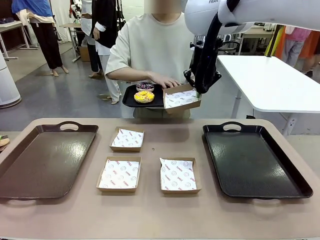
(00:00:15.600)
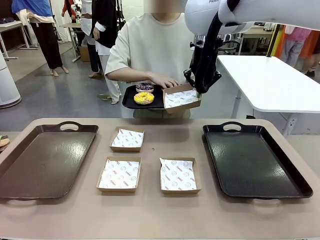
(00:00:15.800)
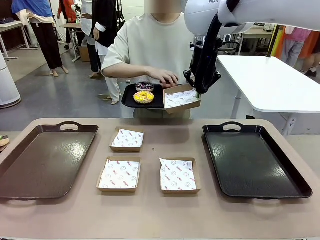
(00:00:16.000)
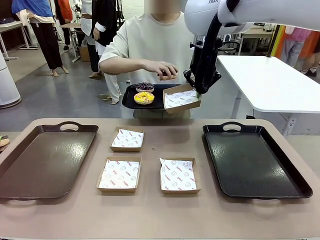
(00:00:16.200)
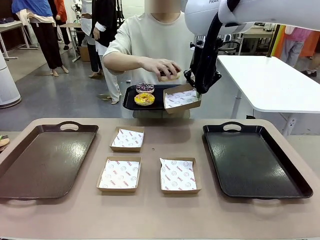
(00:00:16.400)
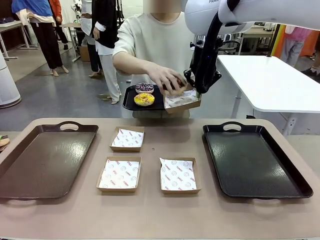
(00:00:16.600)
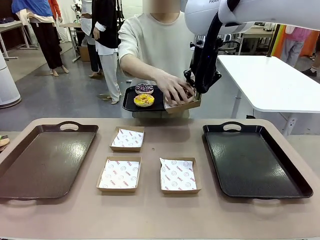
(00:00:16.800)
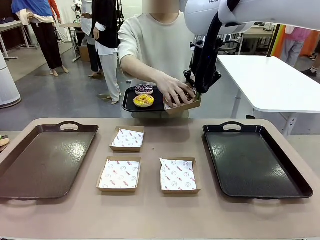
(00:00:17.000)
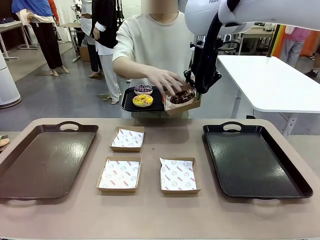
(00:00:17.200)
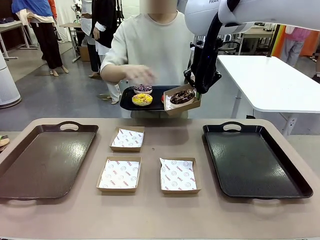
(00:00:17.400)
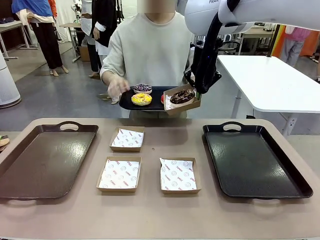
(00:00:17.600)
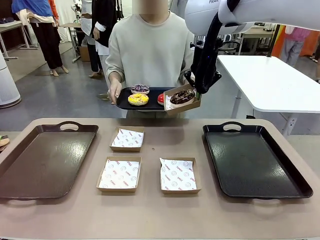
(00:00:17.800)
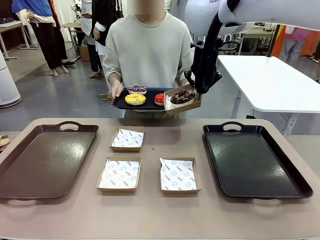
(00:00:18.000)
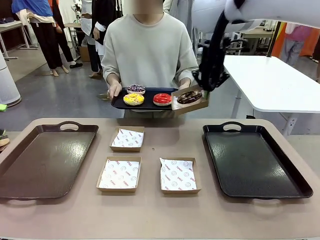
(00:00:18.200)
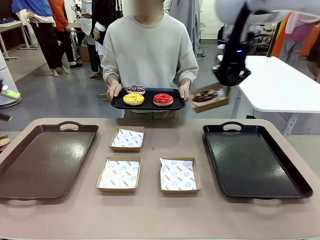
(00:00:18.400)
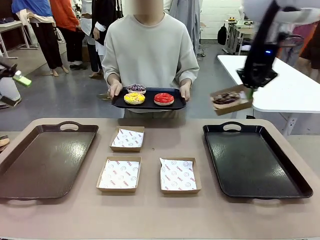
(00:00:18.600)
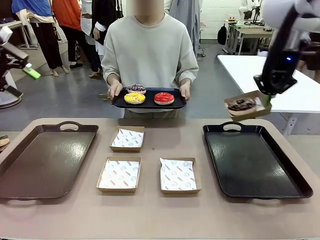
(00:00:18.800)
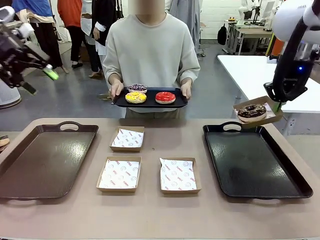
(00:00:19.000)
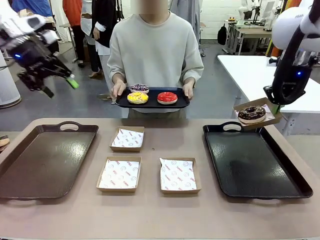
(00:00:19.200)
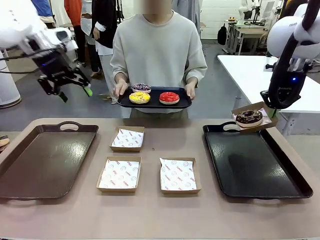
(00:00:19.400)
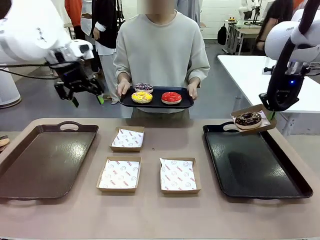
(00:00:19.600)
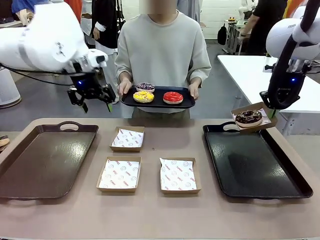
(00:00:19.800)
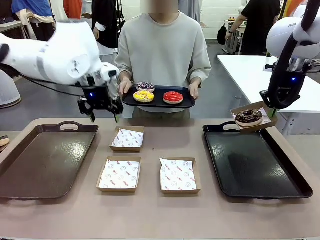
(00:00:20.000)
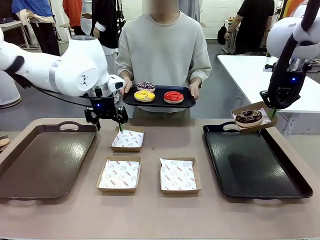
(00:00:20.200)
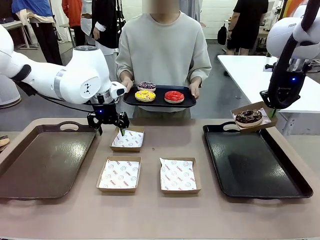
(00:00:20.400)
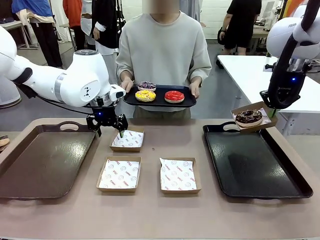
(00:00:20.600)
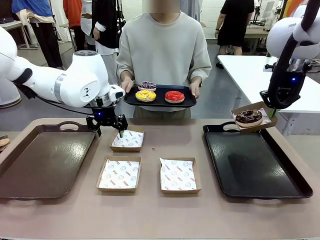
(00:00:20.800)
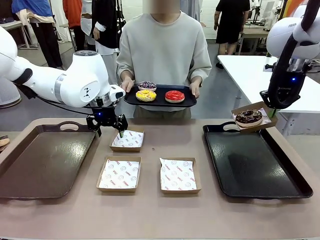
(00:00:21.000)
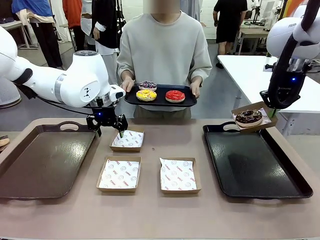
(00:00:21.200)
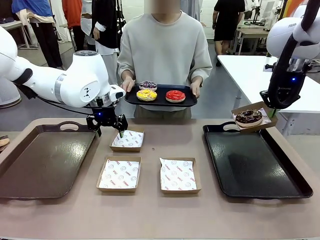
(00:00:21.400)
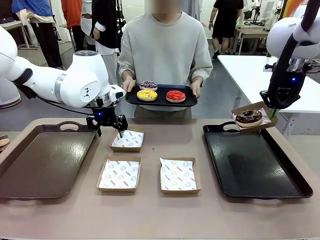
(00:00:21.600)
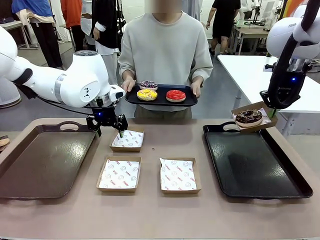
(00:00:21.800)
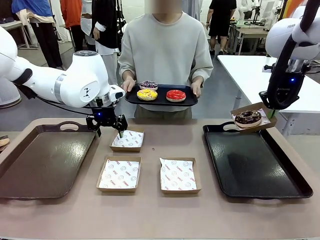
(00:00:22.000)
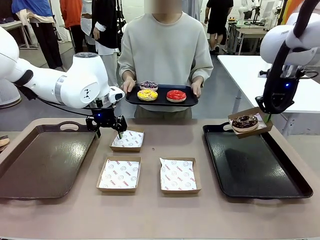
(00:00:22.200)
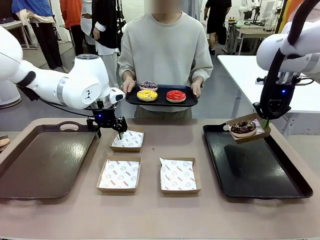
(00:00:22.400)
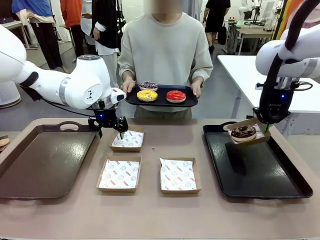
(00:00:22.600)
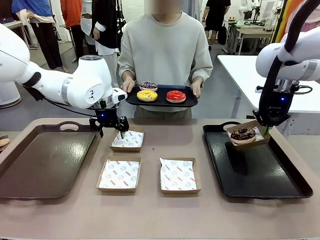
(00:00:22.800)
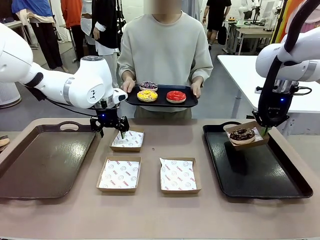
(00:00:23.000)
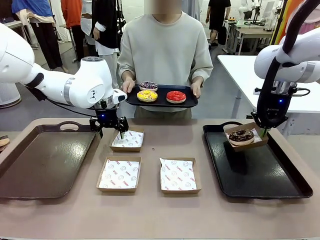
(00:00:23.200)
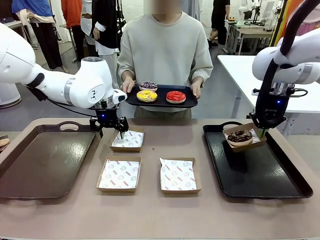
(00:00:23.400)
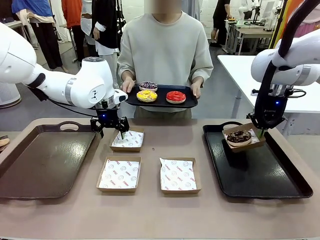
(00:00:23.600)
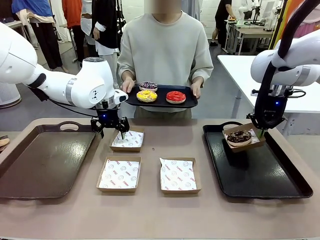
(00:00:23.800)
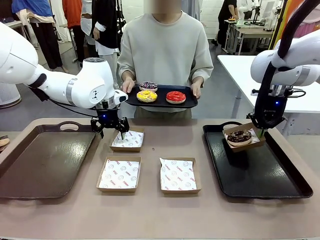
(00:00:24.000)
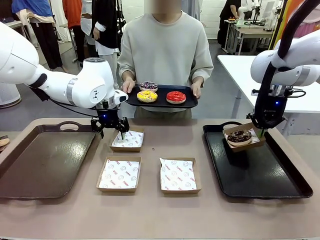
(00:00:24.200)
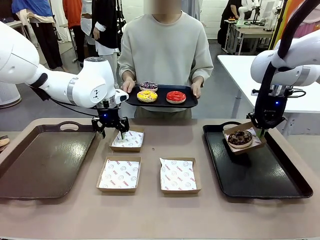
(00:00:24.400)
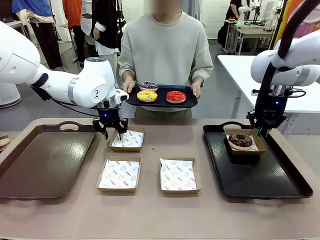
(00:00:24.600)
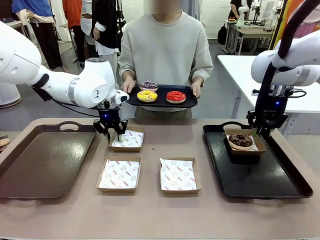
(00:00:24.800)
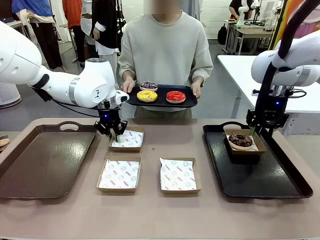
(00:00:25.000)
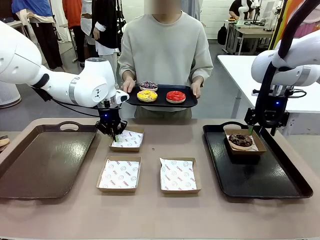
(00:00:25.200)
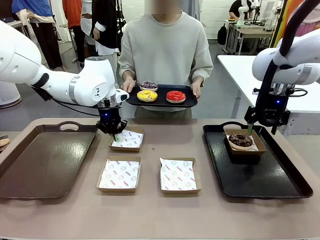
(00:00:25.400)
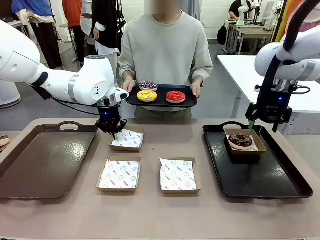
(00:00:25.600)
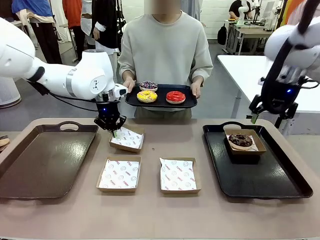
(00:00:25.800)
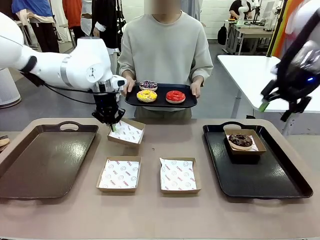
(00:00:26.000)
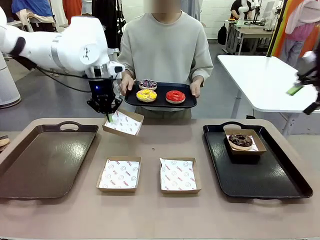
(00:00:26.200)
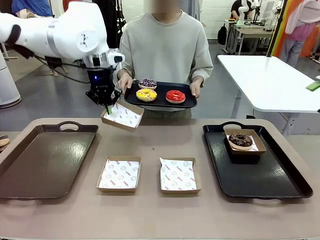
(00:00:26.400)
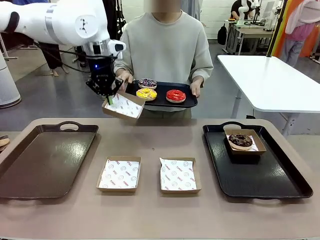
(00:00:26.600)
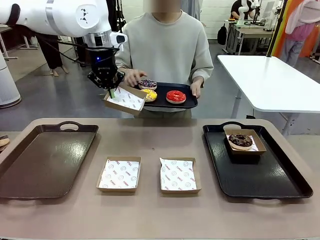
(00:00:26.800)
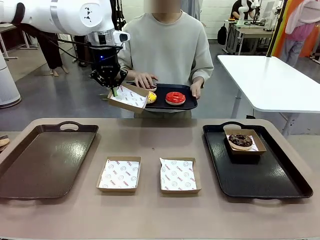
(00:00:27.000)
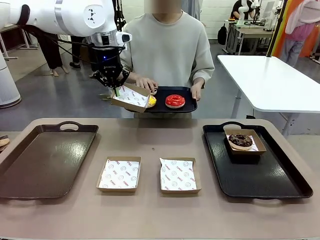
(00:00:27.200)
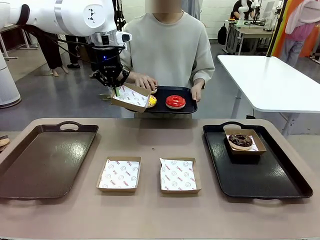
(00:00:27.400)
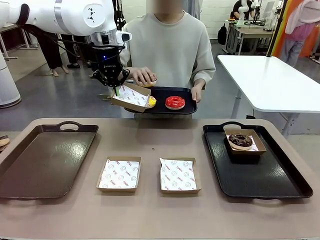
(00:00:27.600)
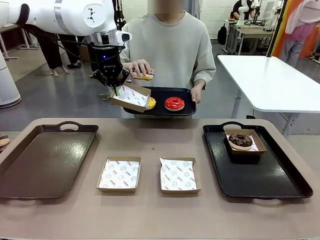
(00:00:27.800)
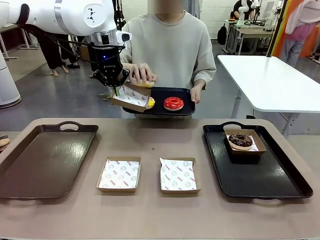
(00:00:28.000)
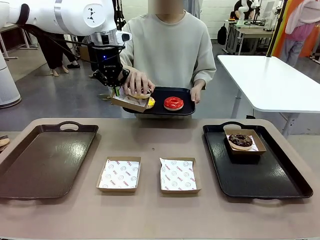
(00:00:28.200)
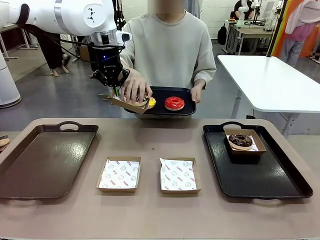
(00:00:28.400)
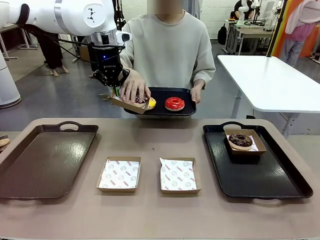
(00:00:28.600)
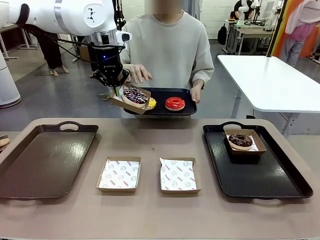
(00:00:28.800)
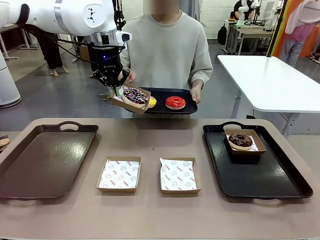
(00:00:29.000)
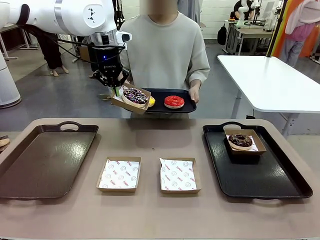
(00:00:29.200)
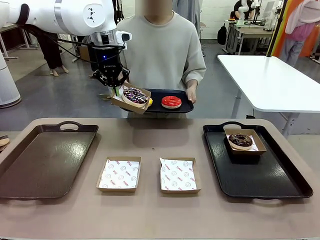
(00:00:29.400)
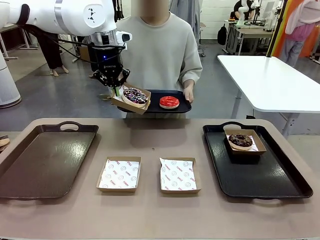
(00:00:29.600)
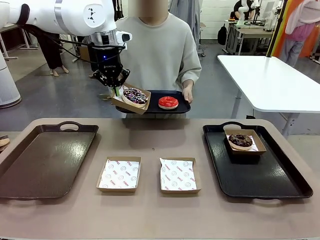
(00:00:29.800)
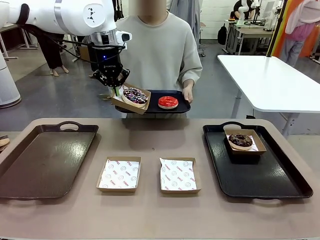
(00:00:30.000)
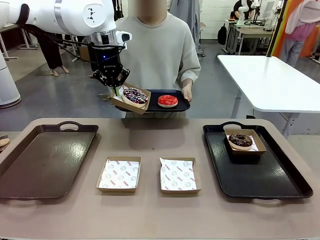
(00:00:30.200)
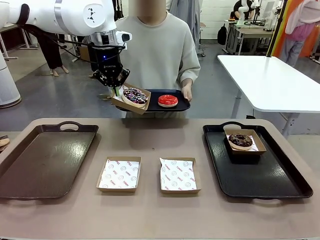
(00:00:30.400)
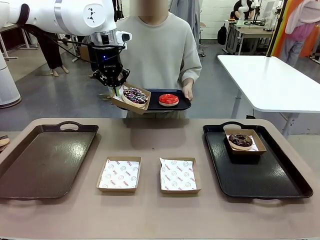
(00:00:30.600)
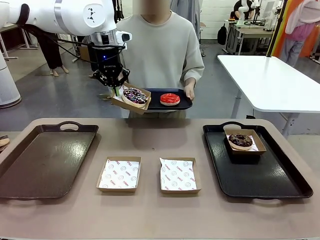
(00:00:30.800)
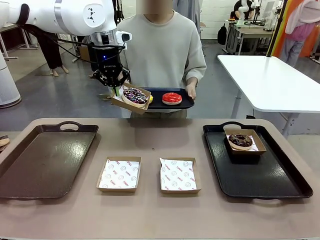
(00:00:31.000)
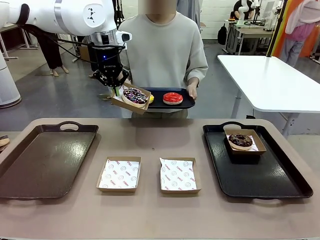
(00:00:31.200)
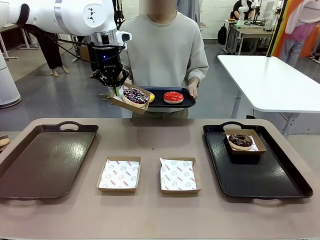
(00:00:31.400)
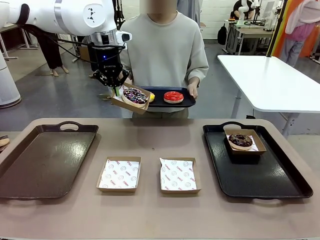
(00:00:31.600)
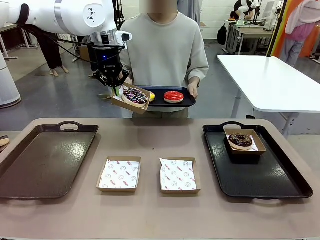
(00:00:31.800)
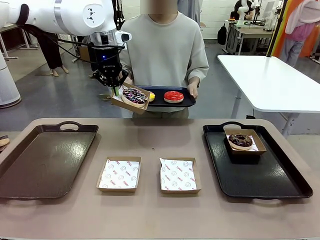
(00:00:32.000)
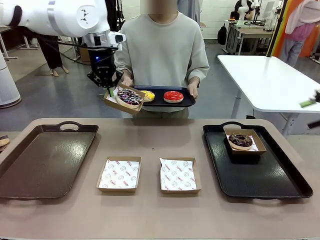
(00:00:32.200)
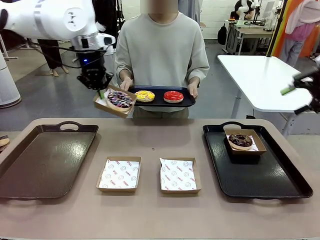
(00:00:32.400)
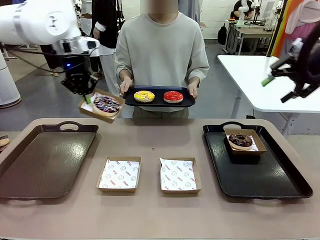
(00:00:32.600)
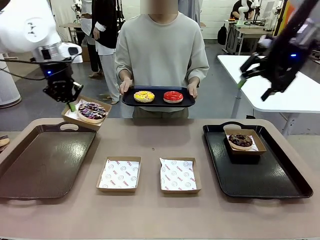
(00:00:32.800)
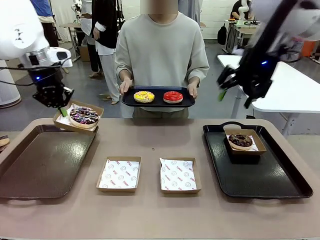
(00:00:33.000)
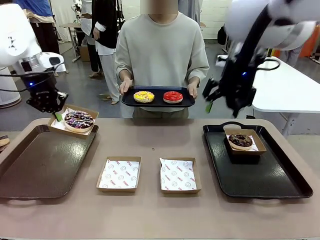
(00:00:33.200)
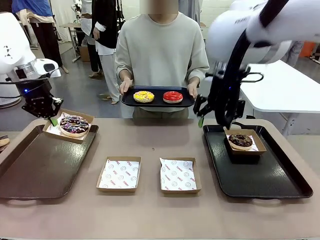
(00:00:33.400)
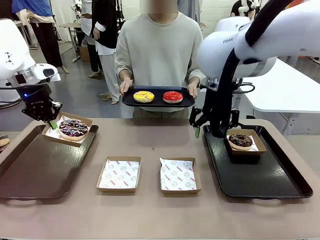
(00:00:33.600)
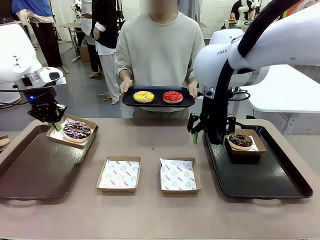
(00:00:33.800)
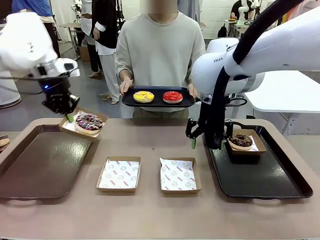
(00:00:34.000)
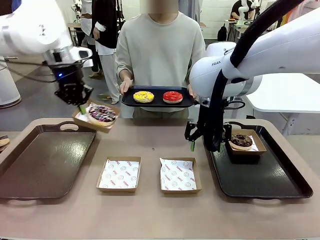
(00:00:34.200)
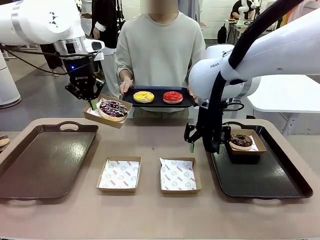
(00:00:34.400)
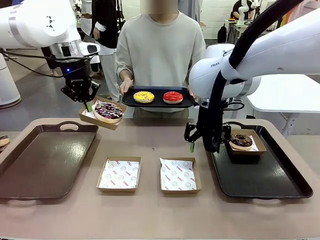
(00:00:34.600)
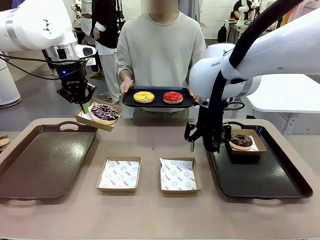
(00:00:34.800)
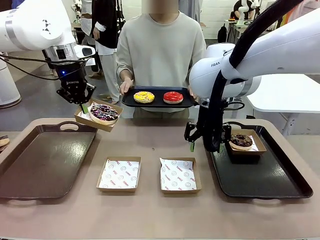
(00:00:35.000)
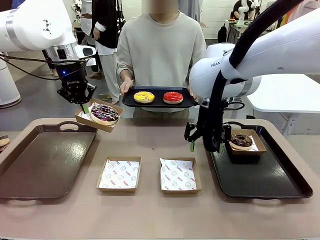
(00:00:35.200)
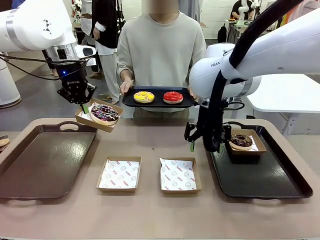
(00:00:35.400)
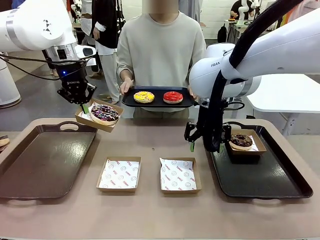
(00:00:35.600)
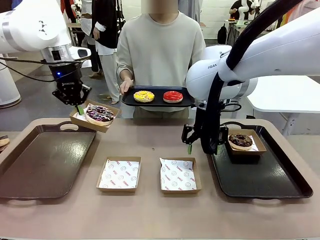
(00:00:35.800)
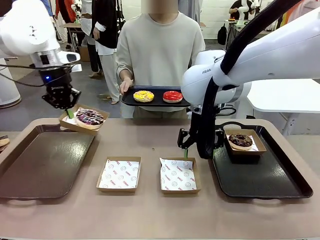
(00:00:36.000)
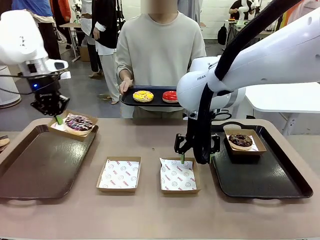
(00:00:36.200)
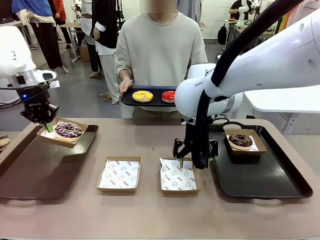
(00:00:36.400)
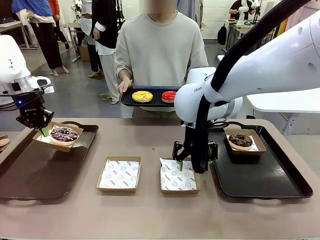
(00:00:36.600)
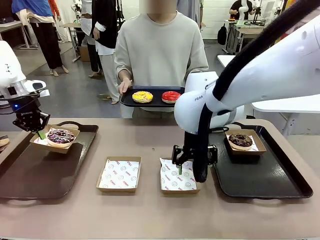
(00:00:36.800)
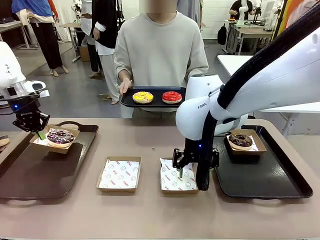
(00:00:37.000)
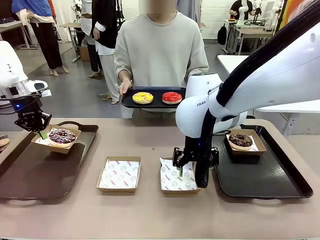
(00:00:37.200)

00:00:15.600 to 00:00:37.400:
Task: Individually package the donuts and arrange them on the tray.
Robot: Place the picked Paper togo box on the Handle tray while simultaneously picking up another Paper togo box from the table with the other hand.
